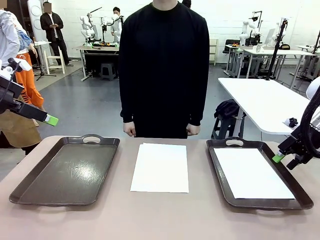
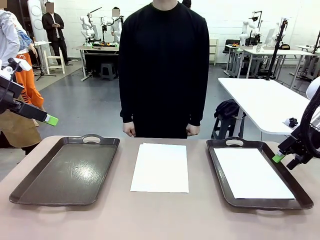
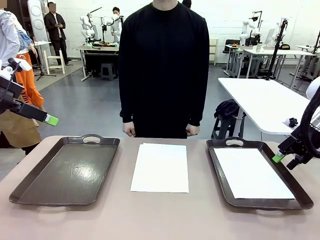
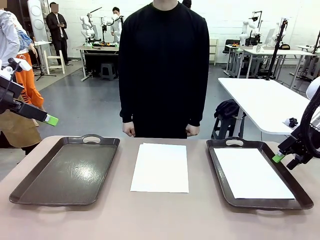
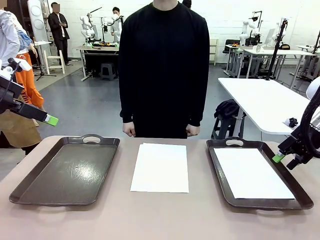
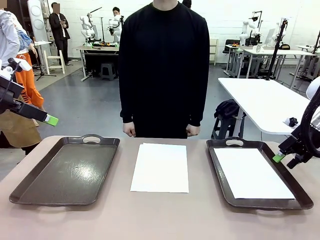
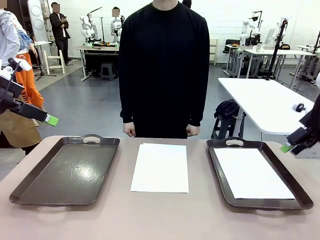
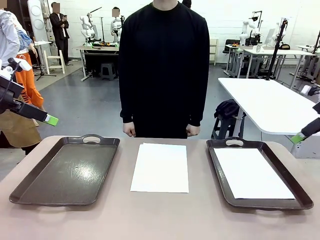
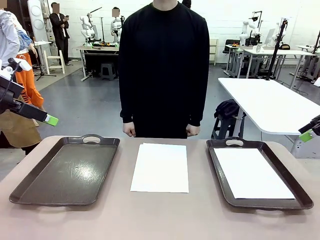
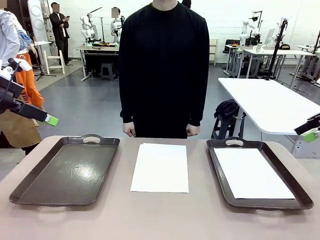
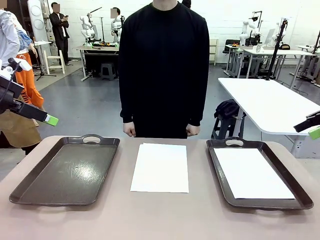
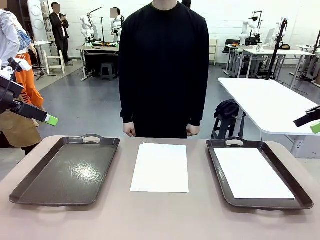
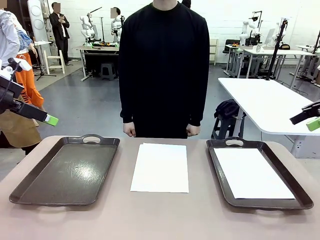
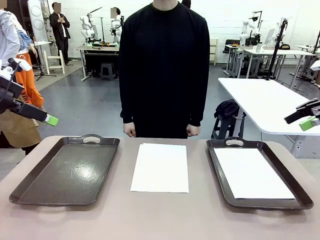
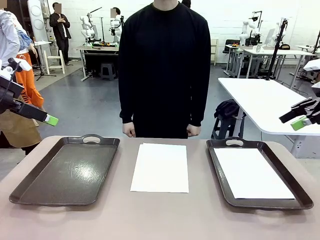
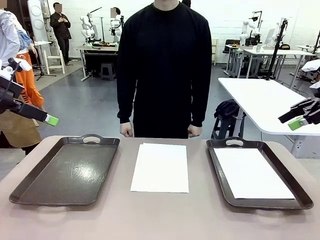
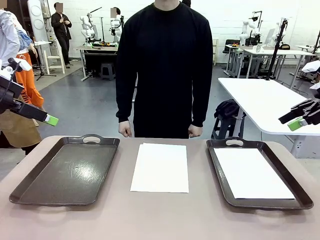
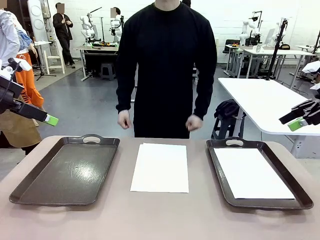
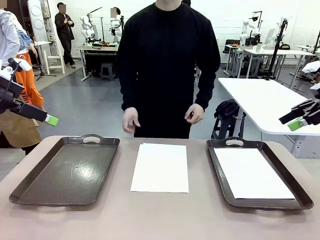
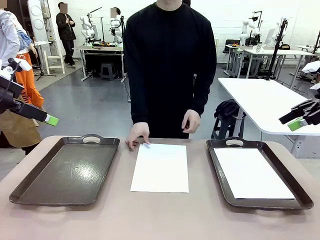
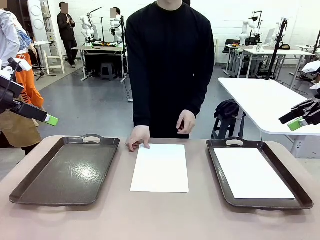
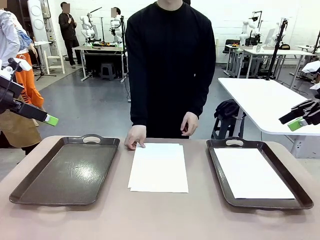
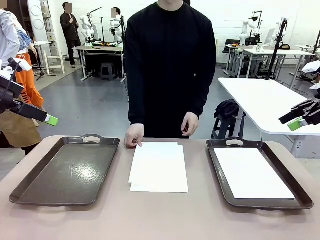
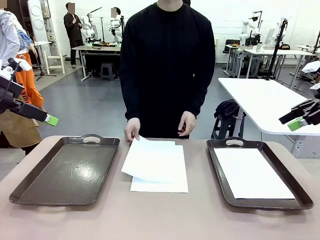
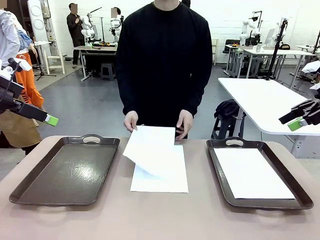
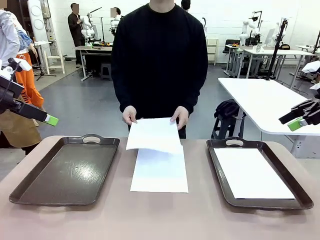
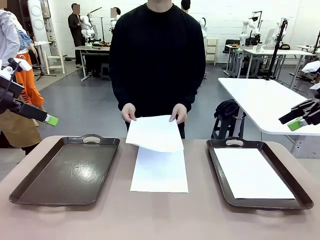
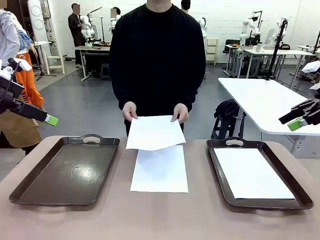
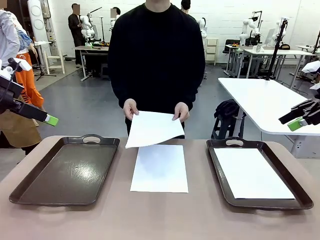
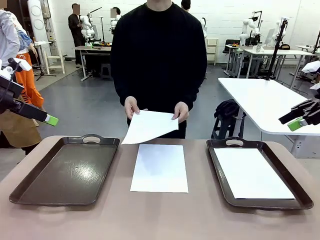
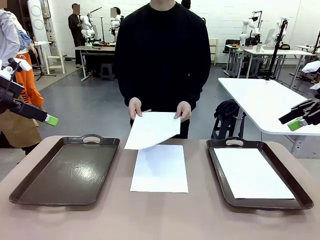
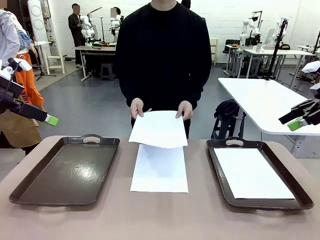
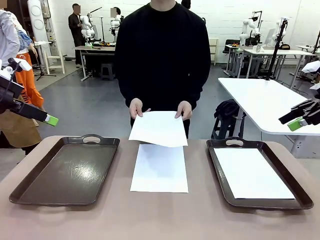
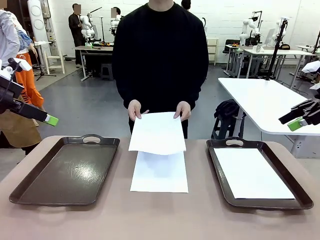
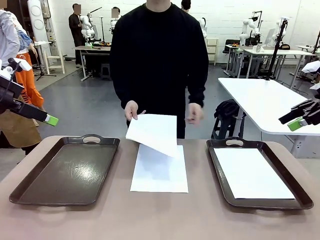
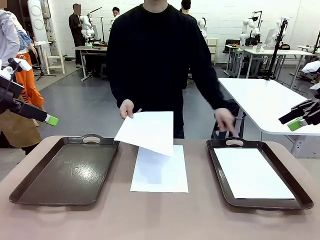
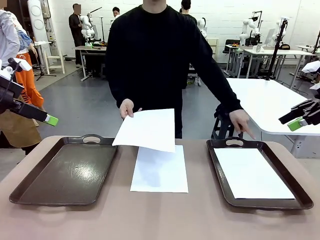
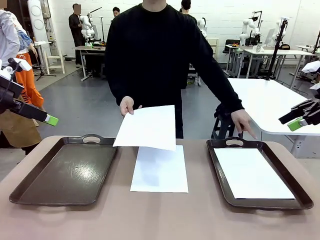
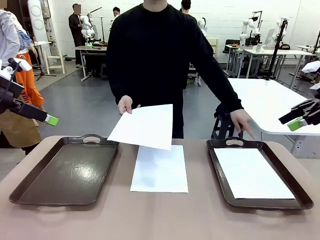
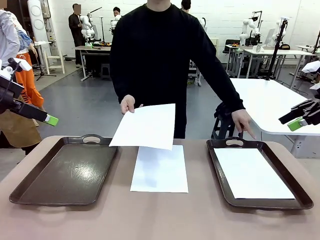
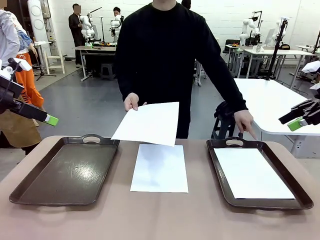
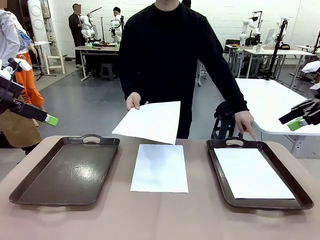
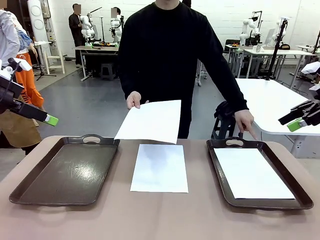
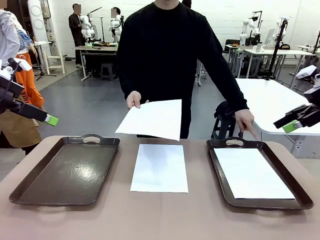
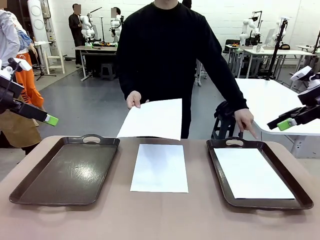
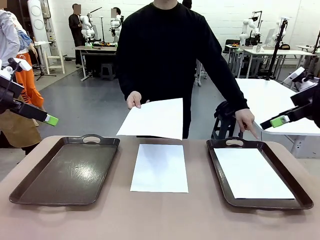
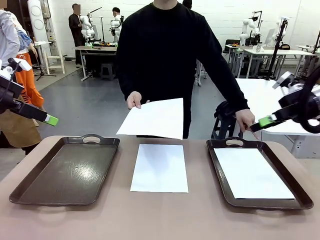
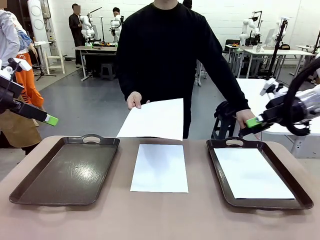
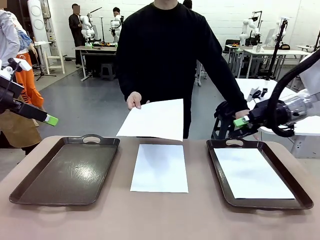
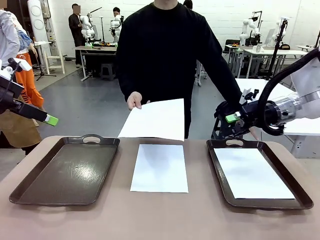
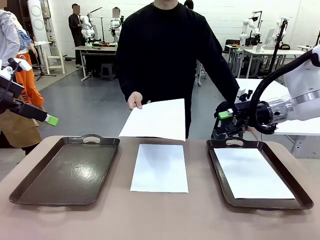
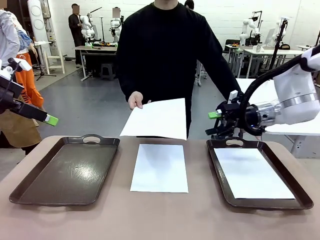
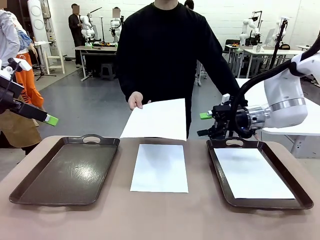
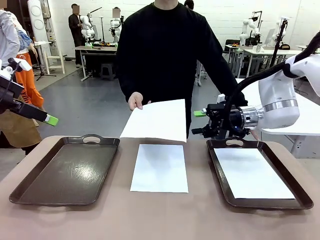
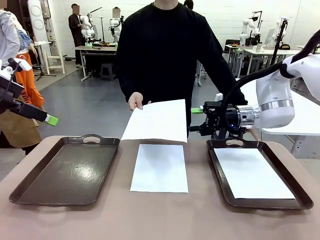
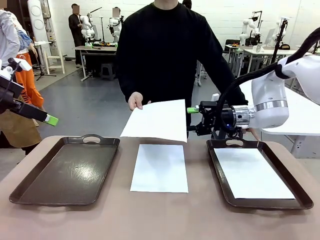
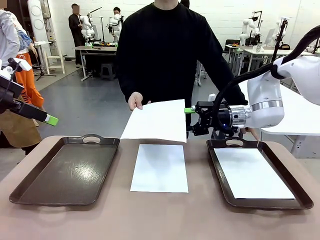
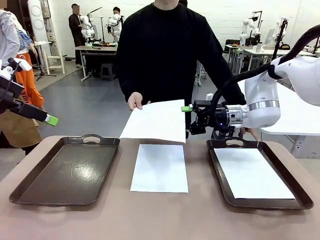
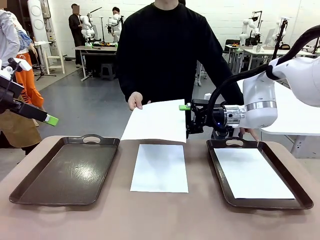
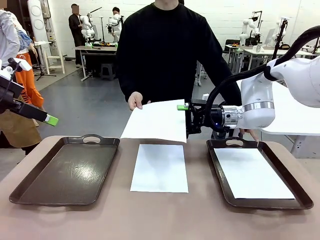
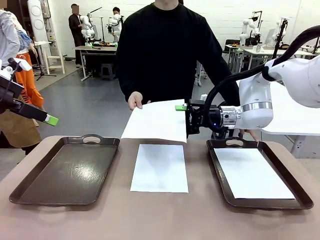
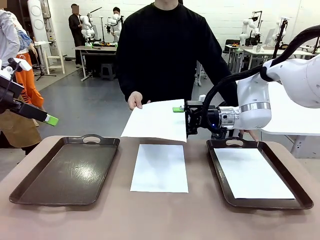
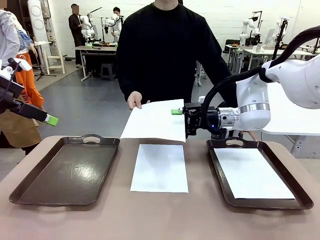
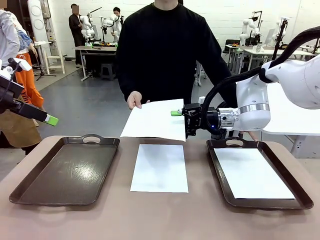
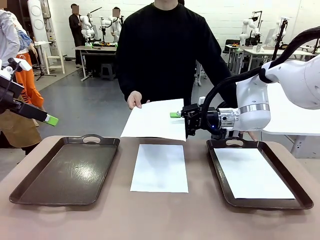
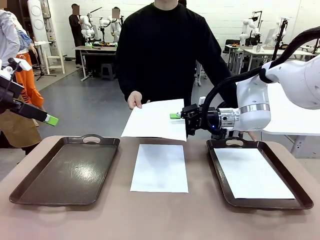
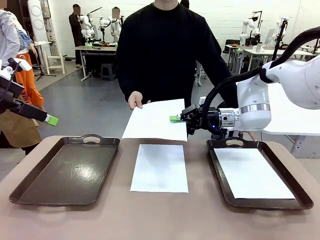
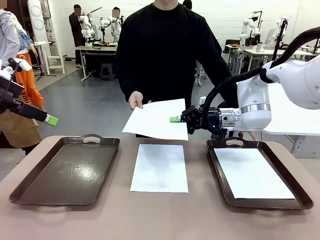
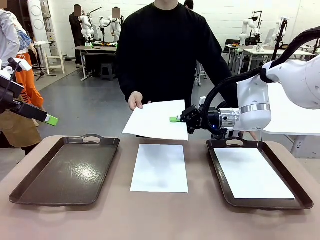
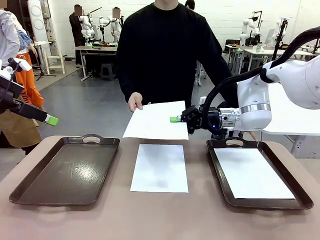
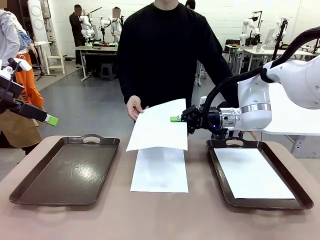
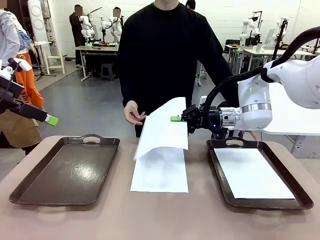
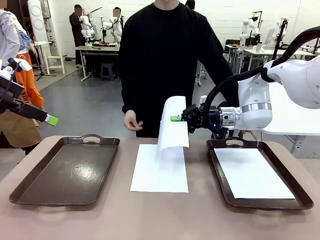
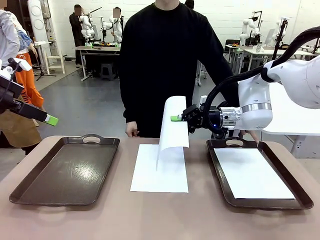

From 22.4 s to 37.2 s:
Task: Sort the A4 documents.
Robot: Receive the A4 Paper.
Person: Point the randomly selected tray with the other hand.

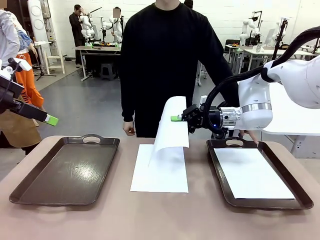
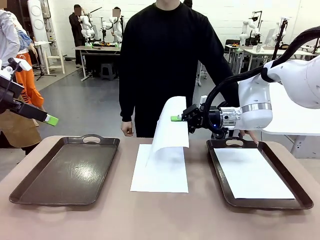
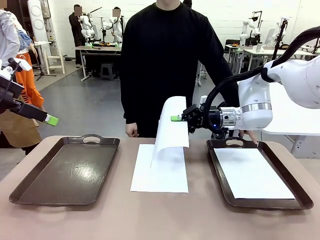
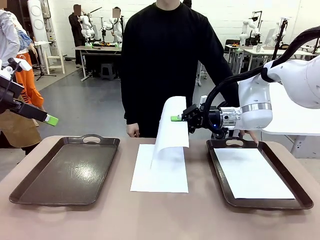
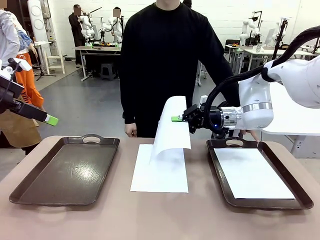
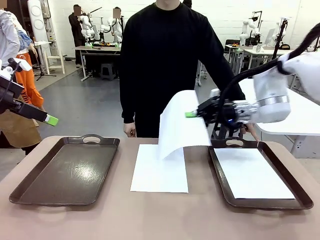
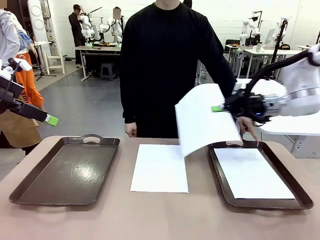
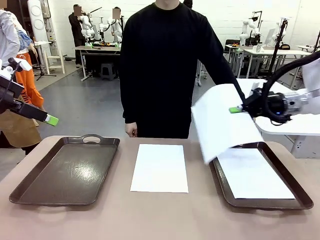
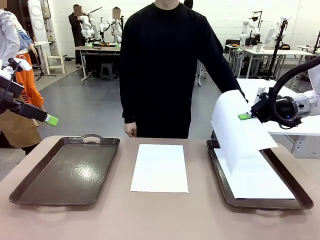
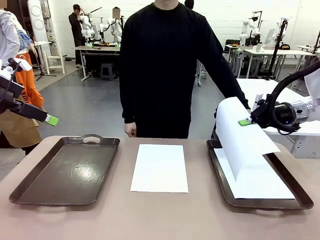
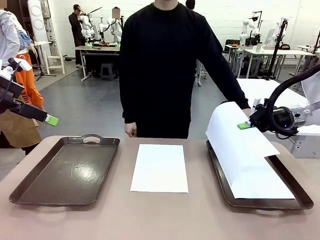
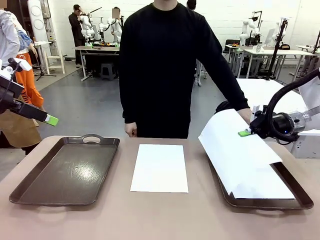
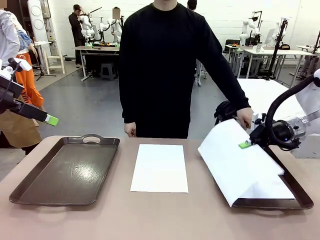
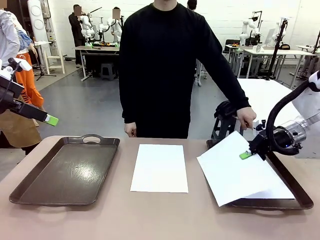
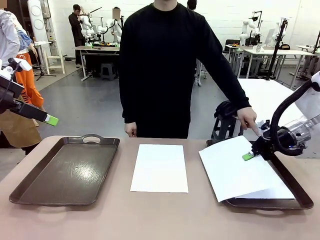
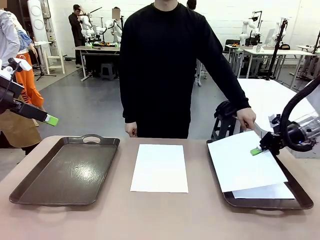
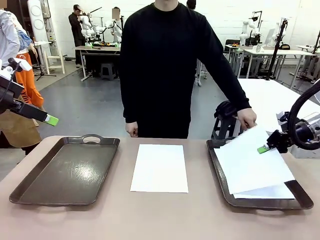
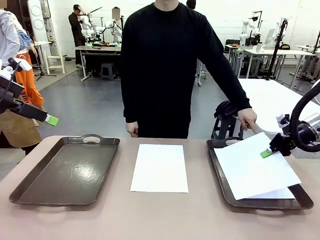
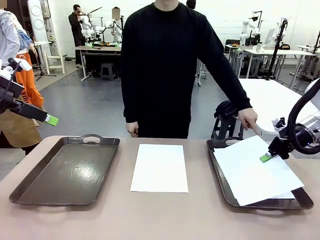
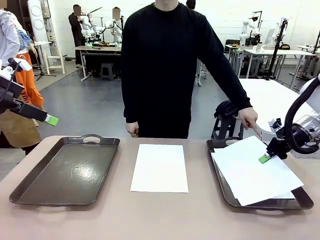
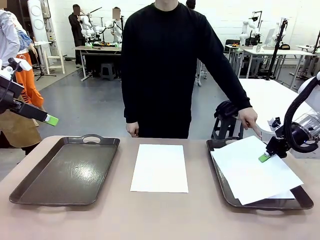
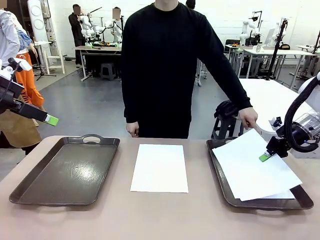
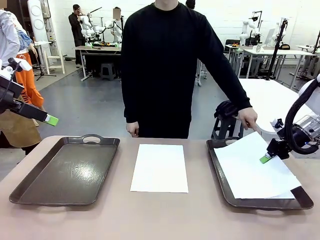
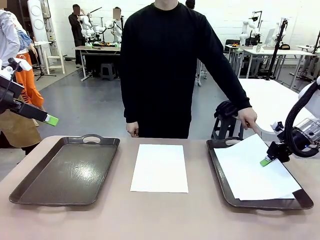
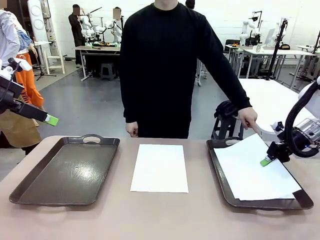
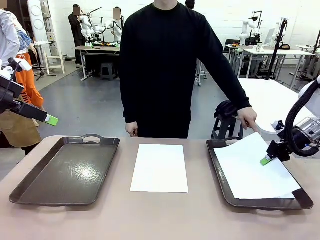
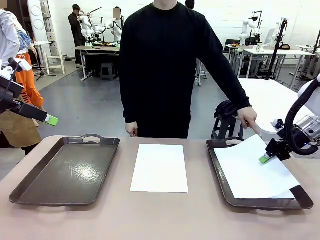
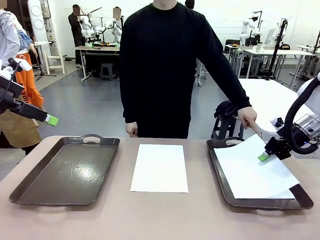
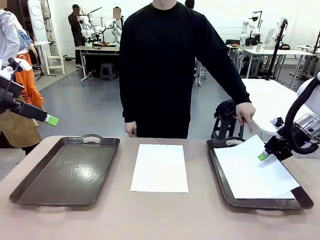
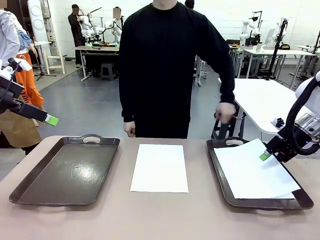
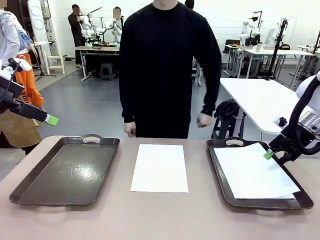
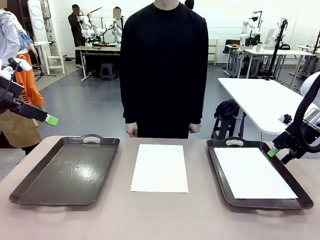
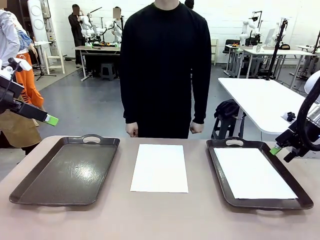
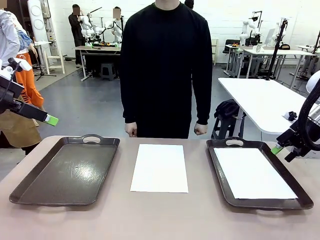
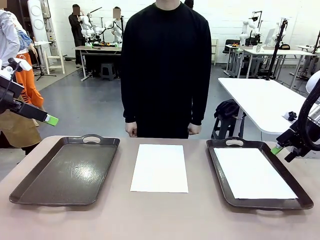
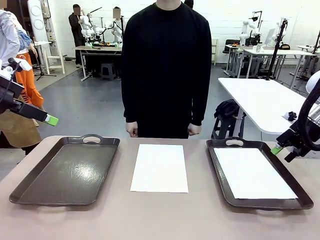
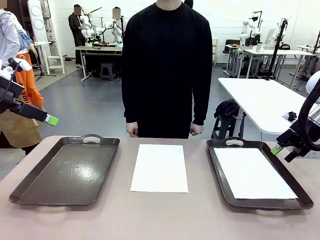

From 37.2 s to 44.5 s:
Robot: Place the A4 Paper in the designated Handle tray.
